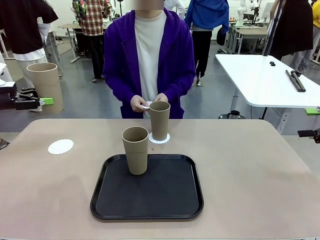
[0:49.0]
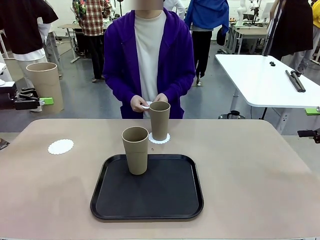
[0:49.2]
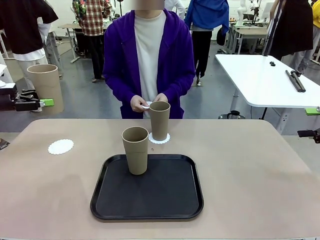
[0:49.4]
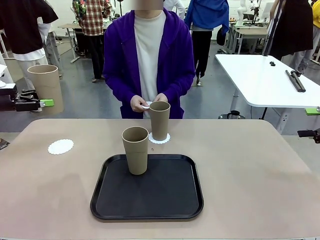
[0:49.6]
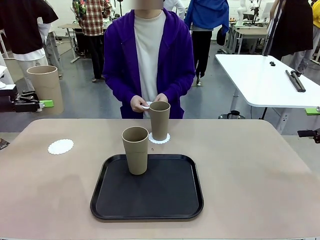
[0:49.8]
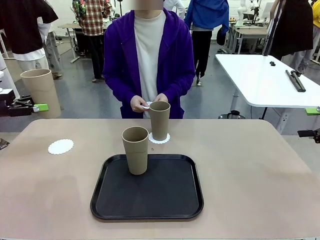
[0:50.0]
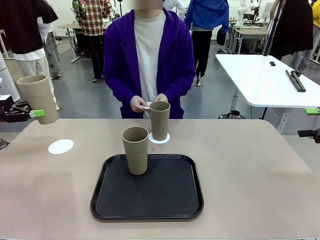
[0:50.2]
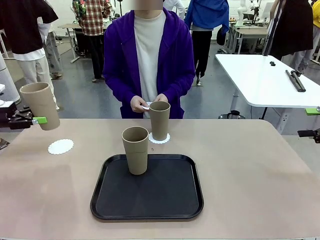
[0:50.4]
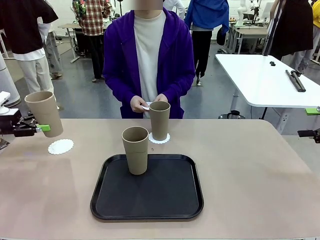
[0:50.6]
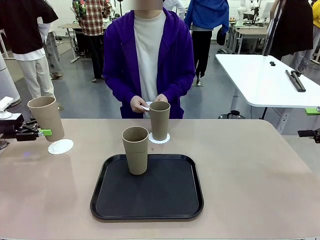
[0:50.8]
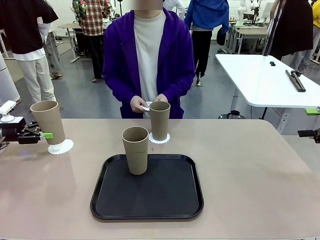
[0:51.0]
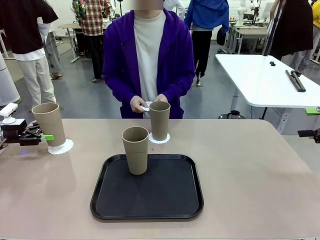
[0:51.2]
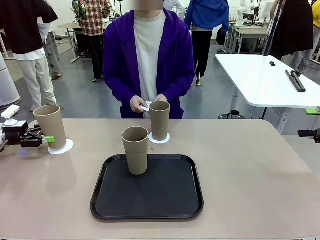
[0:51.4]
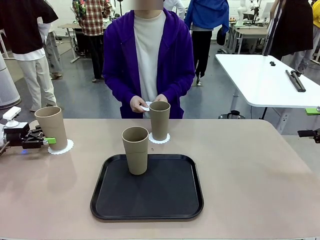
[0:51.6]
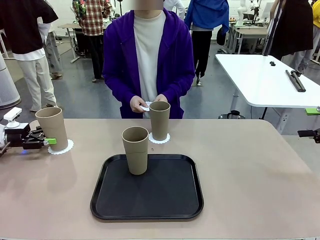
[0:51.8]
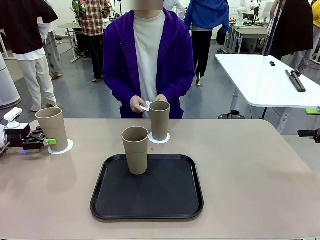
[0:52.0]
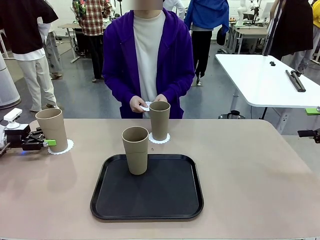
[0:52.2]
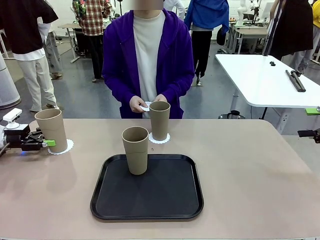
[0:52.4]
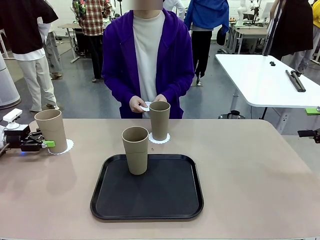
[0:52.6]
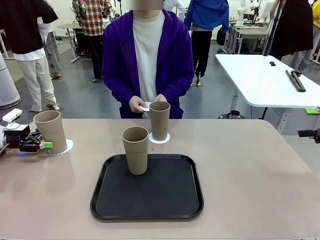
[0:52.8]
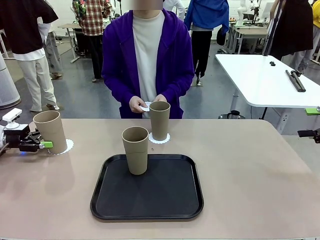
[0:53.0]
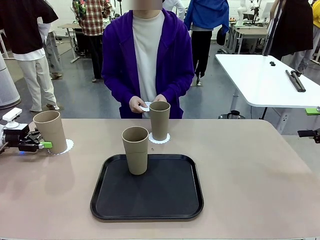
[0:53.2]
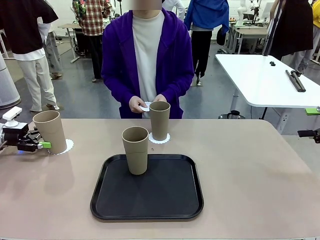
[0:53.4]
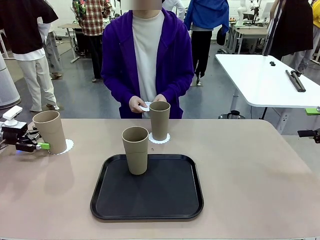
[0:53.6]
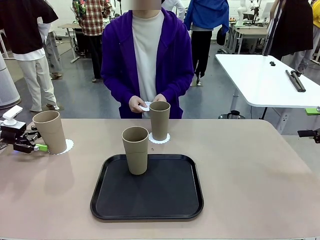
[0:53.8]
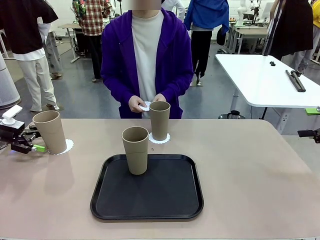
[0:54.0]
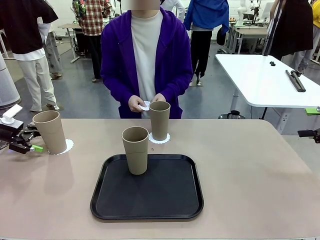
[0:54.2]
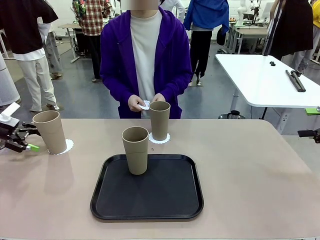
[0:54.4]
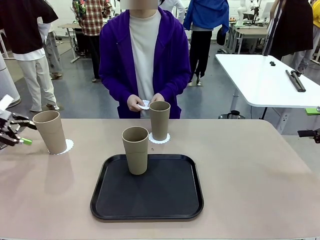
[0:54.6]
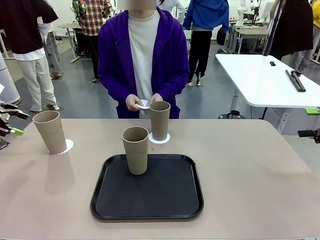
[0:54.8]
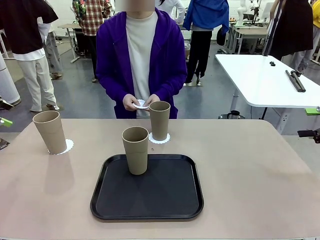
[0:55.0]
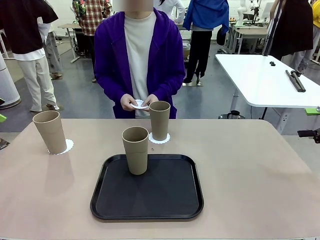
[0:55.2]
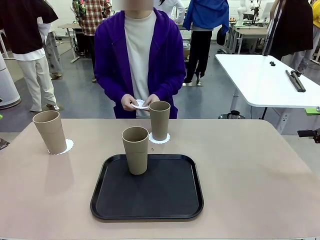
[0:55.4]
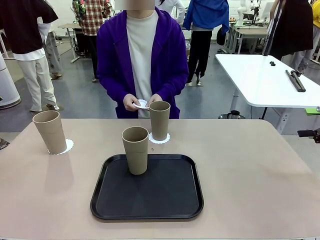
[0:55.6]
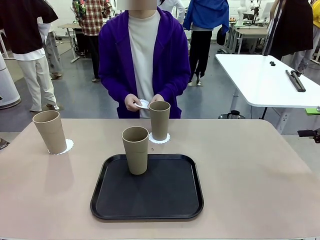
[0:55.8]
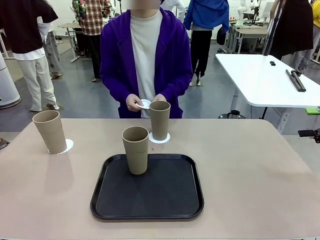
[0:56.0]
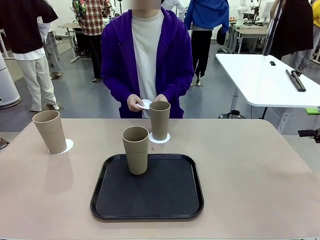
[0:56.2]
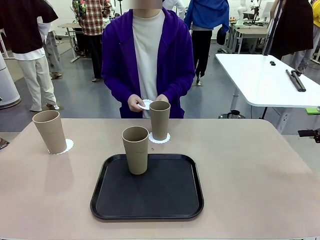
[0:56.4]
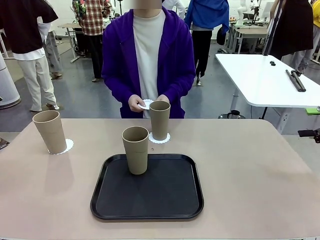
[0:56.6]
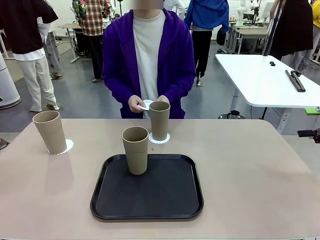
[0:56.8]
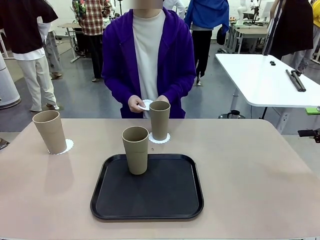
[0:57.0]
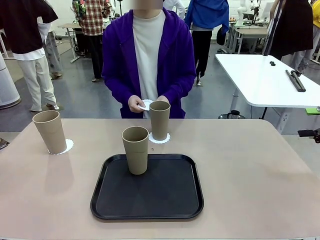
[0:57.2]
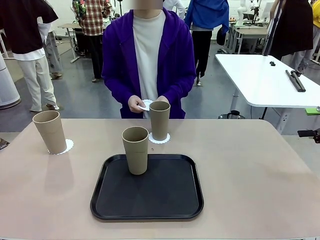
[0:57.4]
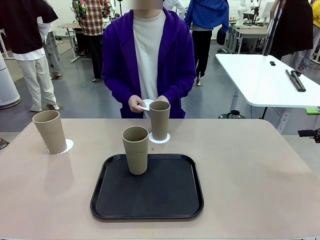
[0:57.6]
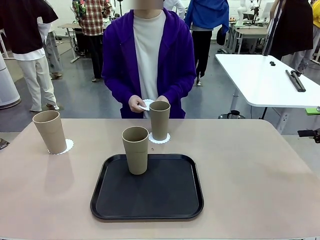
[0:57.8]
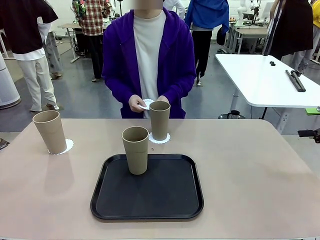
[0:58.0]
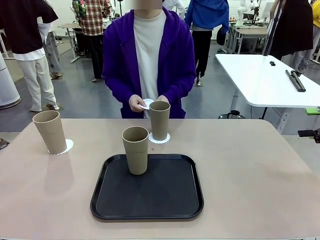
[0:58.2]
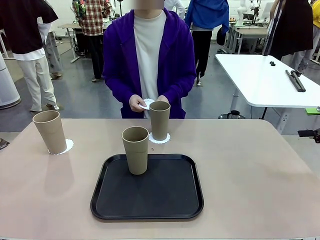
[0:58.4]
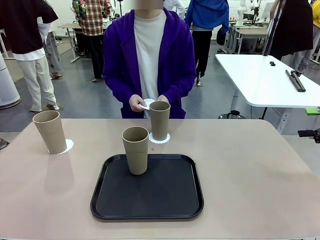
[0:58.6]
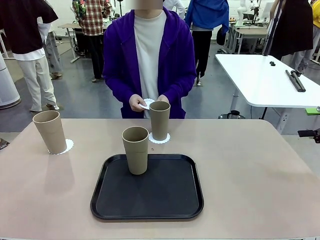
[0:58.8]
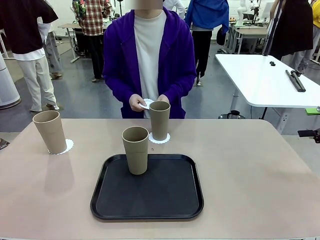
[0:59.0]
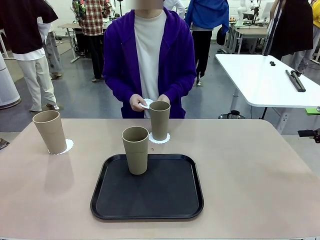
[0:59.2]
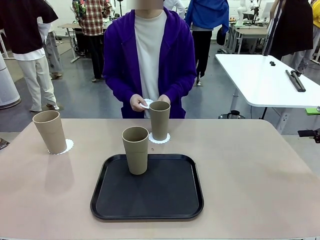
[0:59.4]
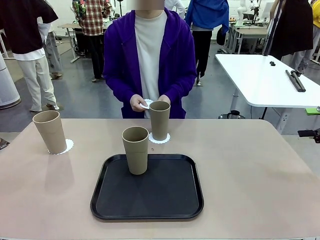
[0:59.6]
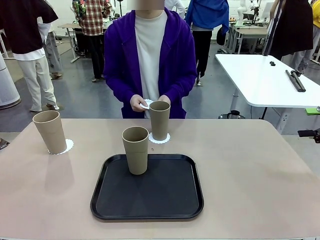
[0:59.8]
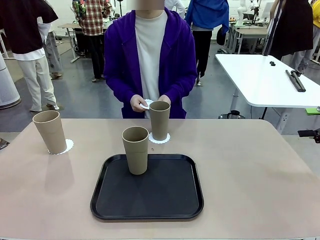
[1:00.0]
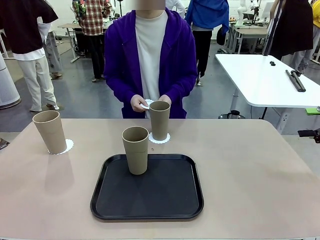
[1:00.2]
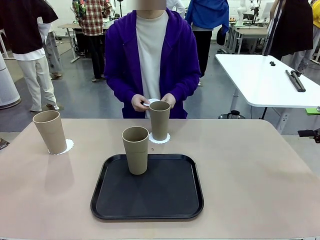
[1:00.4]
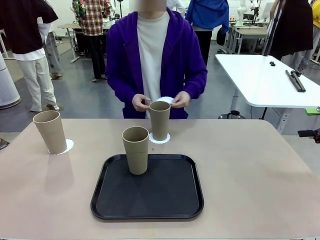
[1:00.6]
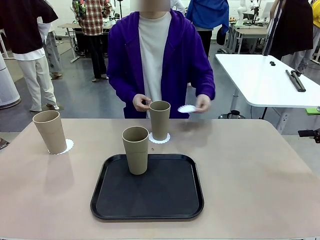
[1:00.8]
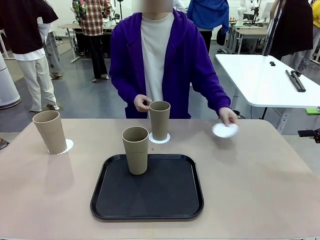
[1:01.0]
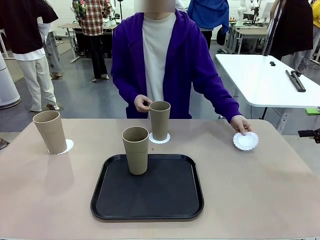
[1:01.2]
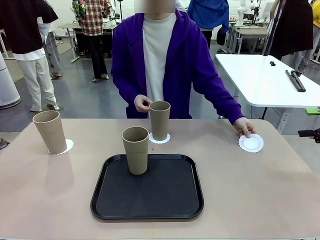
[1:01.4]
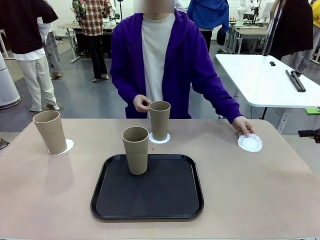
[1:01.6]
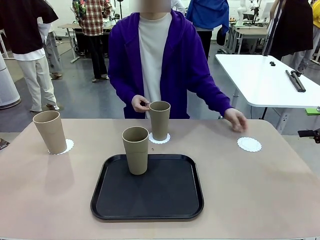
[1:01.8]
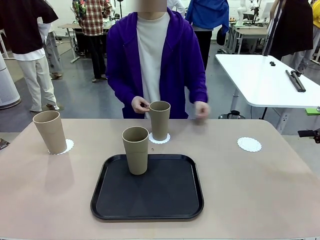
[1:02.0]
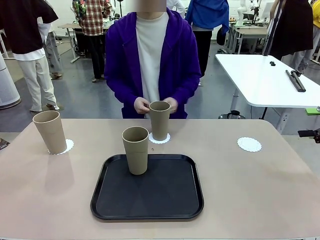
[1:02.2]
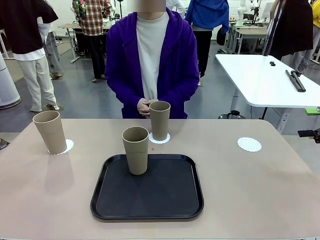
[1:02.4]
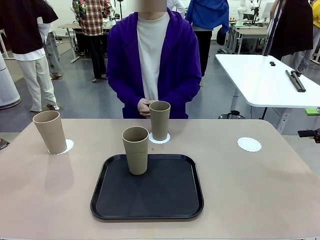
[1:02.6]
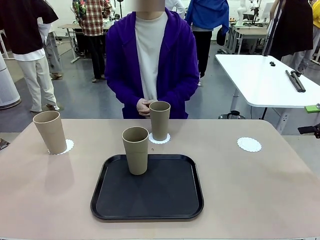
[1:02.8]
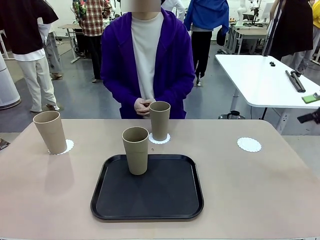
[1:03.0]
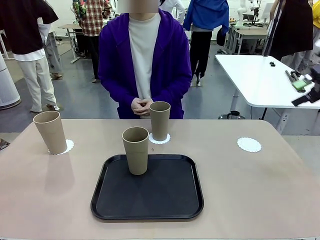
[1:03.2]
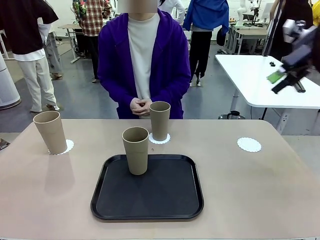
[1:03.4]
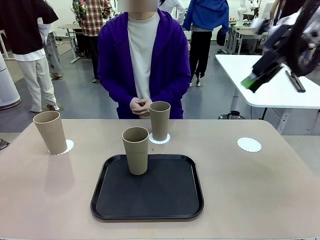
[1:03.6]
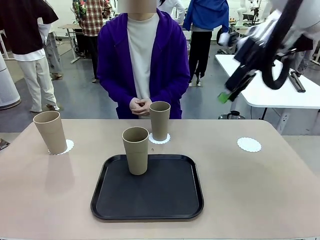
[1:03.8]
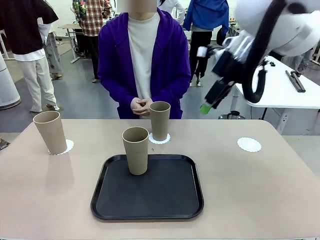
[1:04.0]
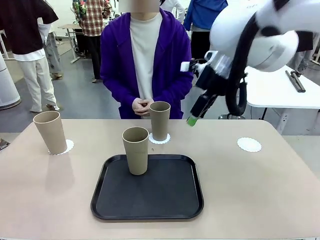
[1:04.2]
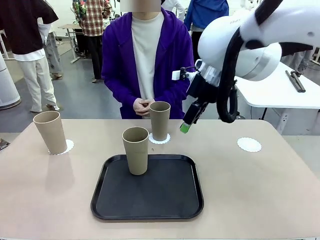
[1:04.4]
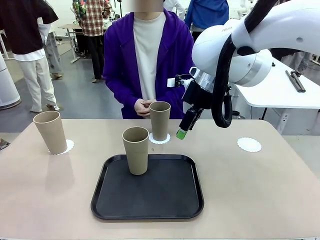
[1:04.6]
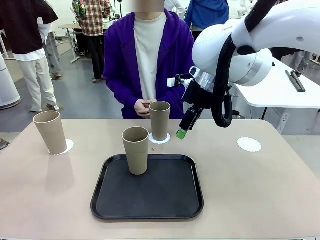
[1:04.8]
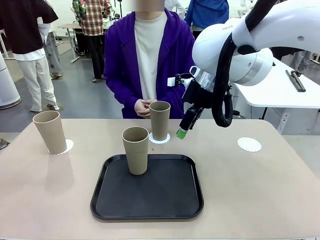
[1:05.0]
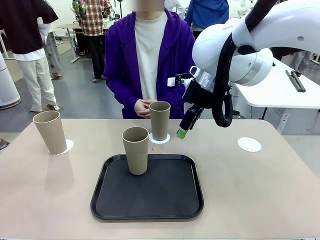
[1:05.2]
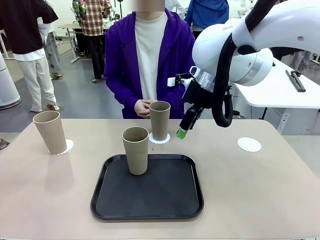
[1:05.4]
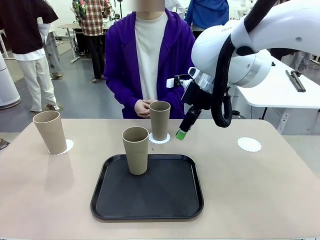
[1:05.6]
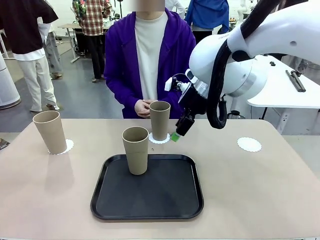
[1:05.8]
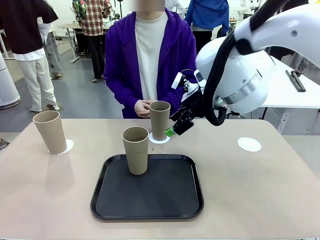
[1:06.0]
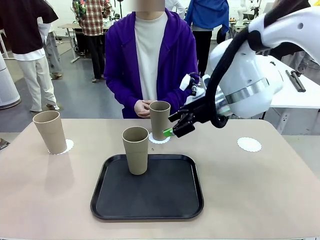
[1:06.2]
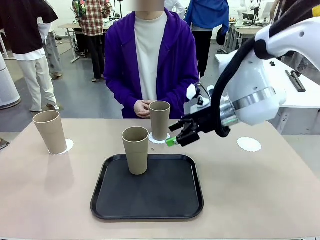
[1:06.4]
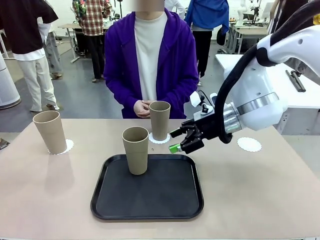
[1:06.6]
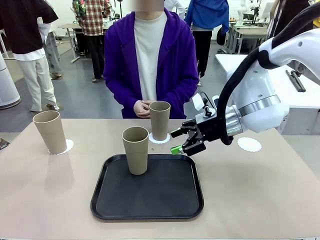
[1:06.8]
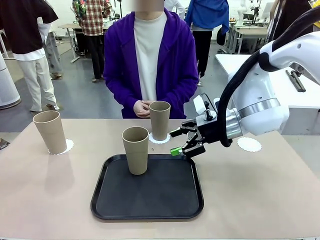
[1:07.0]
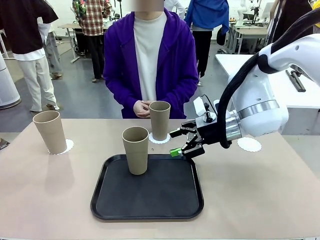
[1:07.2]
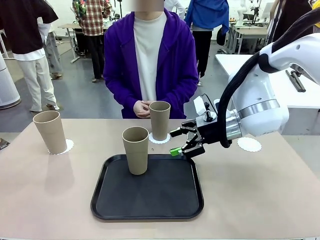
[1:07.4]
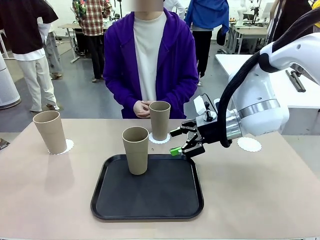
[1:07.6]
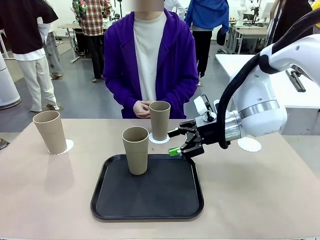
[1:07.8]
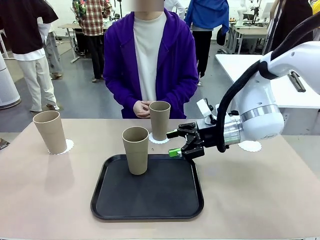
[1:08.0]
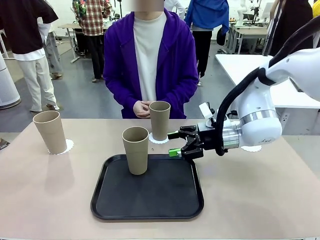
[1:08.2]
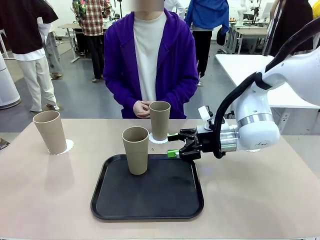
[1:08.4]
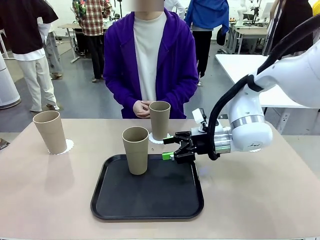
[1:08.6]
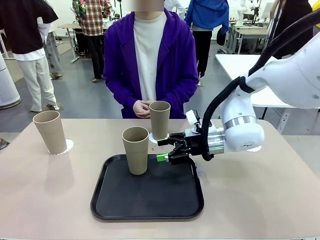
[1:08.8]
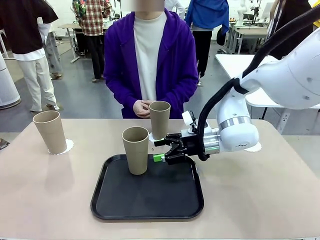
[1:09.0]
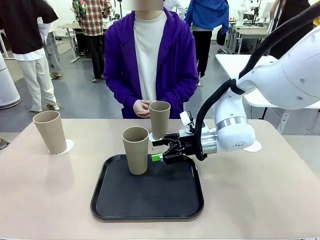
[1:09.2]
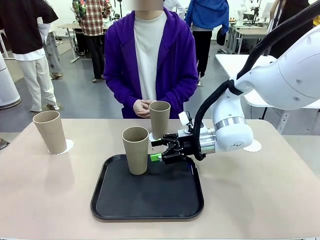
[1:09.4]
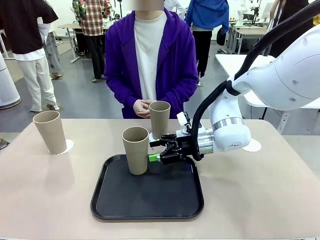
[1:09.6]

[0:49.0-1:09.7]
Task: Place coasters on the table and set cups on them.
Robot: Take one Reusable plastic cup from the Flat Tray and place it on a coaster set by the human.
